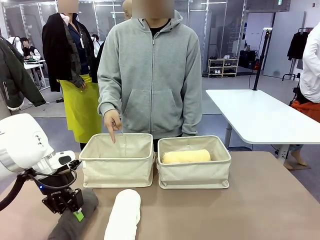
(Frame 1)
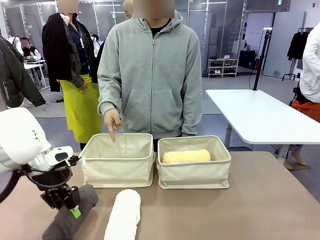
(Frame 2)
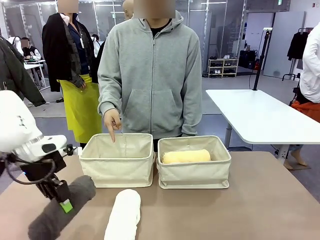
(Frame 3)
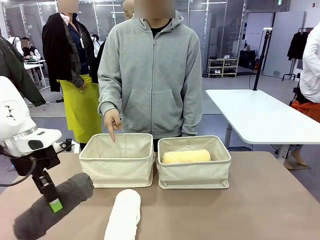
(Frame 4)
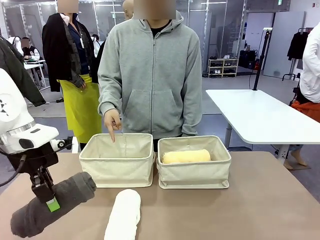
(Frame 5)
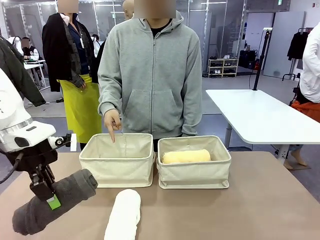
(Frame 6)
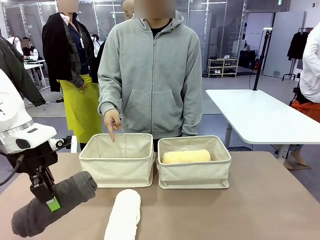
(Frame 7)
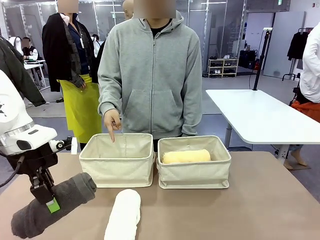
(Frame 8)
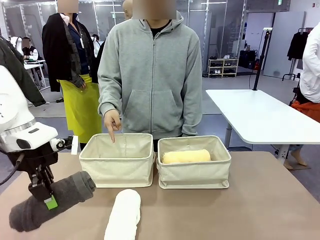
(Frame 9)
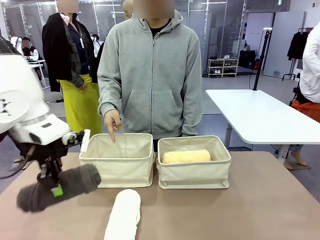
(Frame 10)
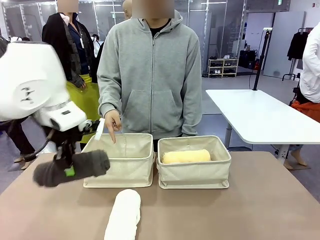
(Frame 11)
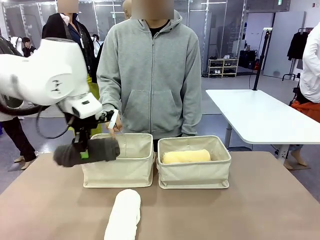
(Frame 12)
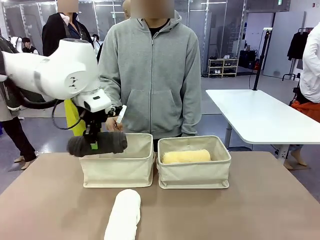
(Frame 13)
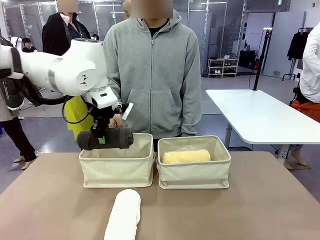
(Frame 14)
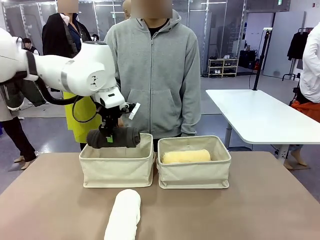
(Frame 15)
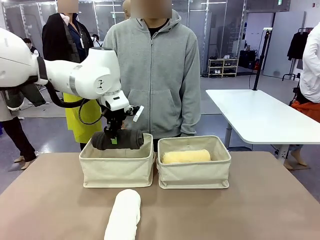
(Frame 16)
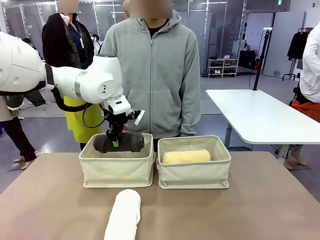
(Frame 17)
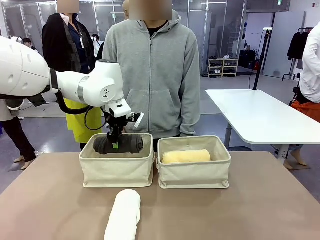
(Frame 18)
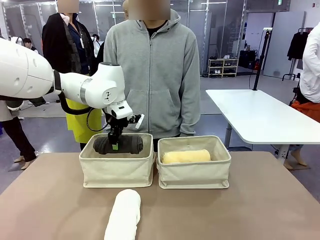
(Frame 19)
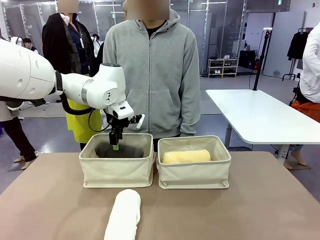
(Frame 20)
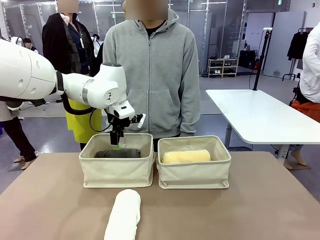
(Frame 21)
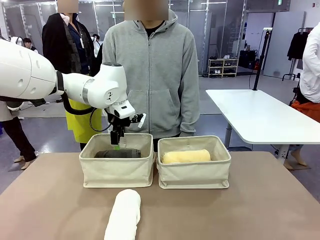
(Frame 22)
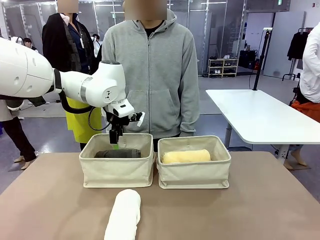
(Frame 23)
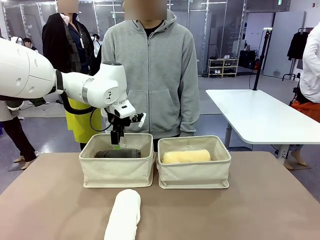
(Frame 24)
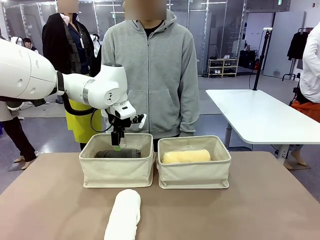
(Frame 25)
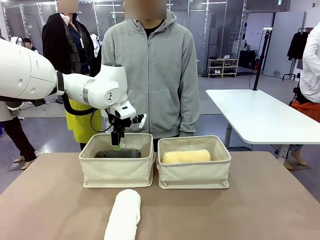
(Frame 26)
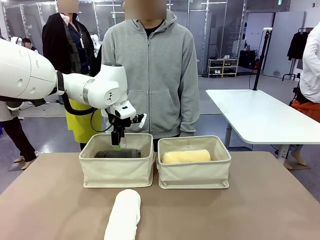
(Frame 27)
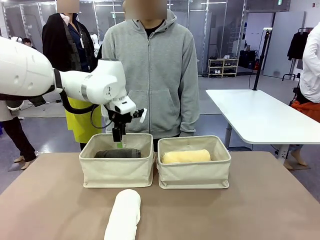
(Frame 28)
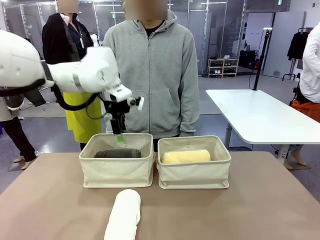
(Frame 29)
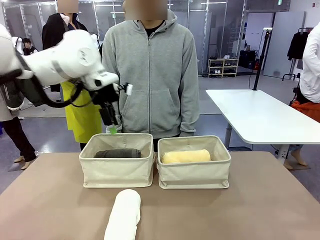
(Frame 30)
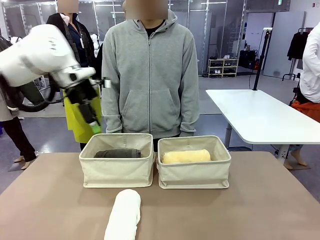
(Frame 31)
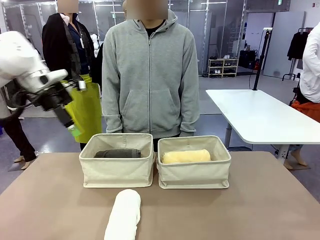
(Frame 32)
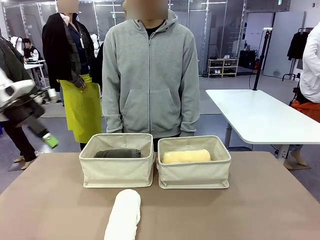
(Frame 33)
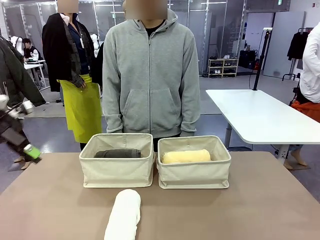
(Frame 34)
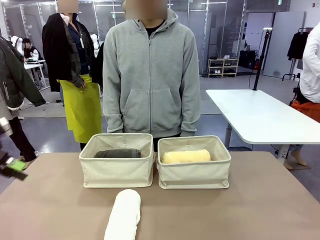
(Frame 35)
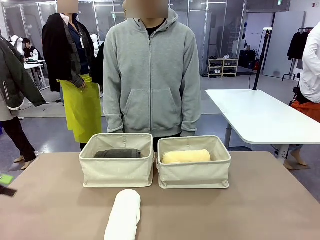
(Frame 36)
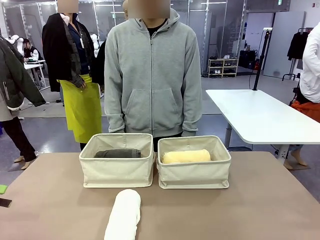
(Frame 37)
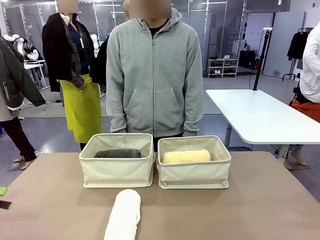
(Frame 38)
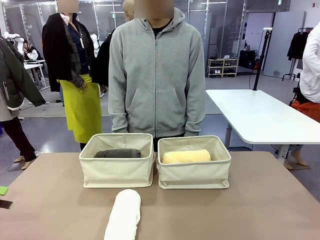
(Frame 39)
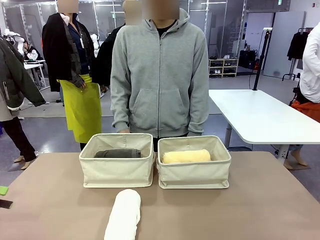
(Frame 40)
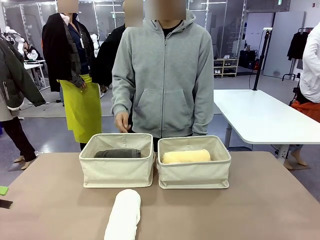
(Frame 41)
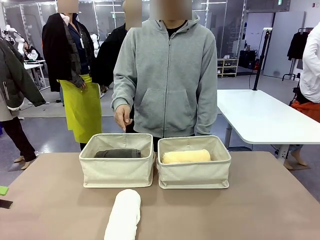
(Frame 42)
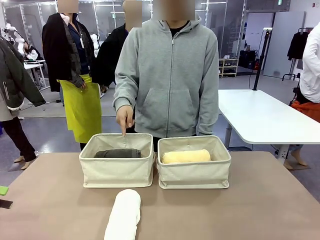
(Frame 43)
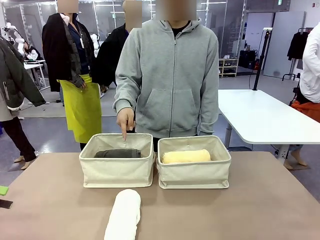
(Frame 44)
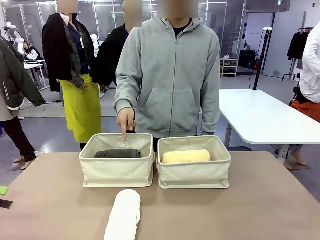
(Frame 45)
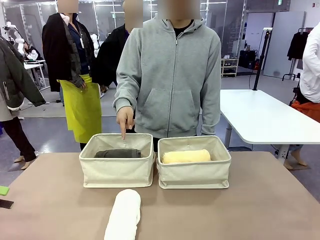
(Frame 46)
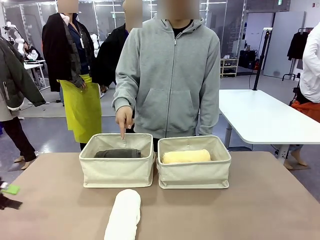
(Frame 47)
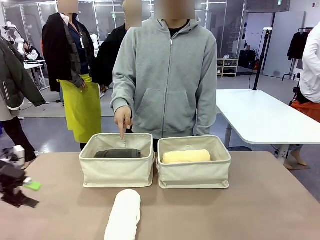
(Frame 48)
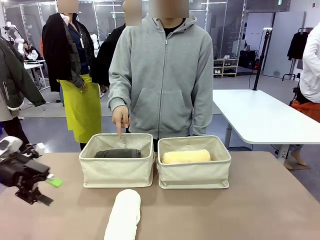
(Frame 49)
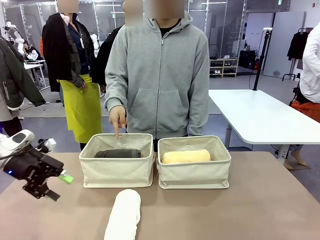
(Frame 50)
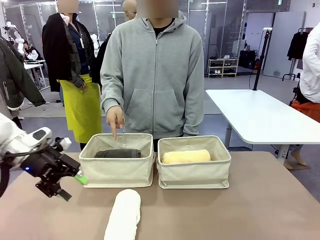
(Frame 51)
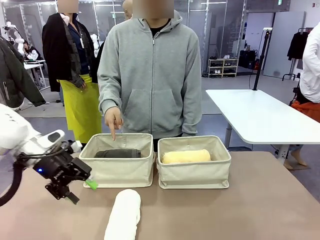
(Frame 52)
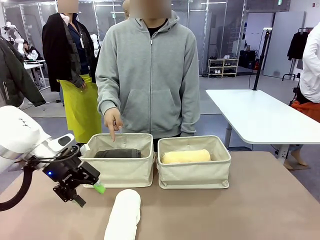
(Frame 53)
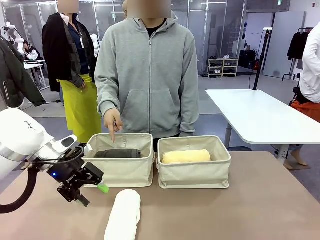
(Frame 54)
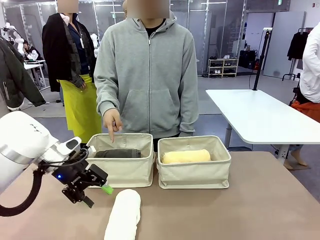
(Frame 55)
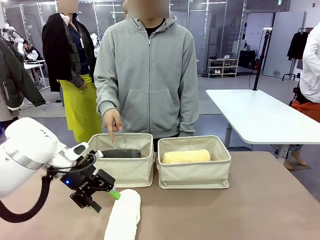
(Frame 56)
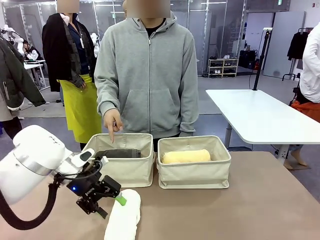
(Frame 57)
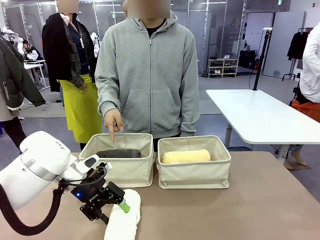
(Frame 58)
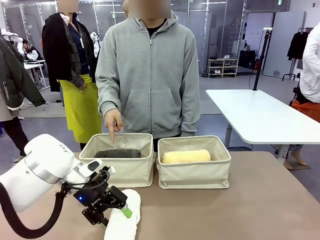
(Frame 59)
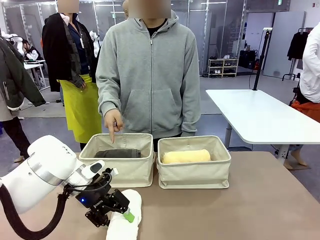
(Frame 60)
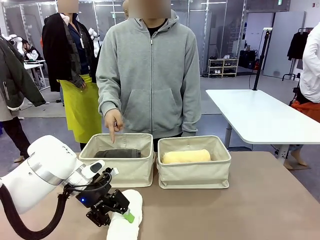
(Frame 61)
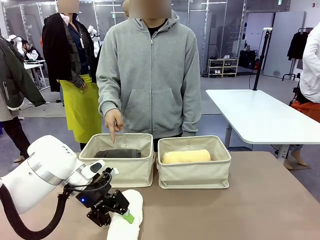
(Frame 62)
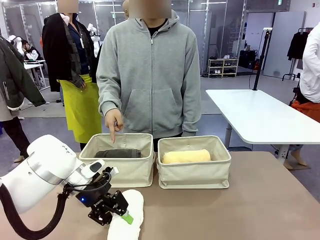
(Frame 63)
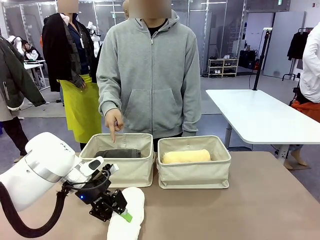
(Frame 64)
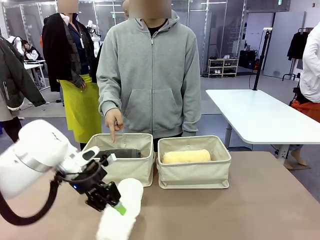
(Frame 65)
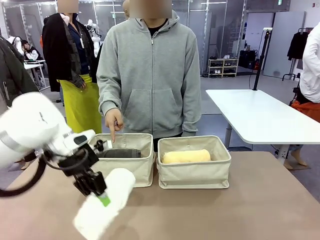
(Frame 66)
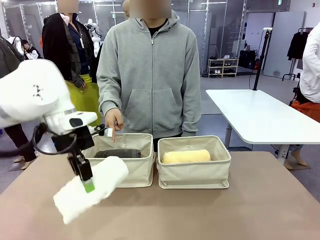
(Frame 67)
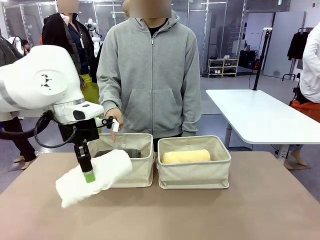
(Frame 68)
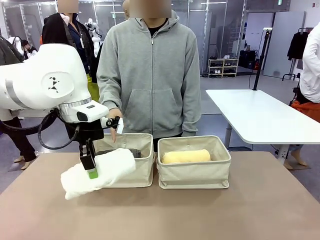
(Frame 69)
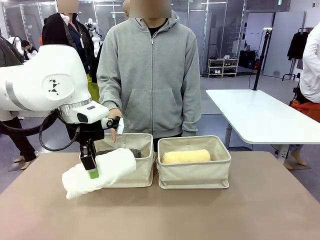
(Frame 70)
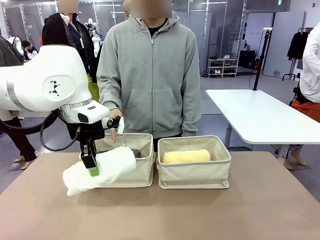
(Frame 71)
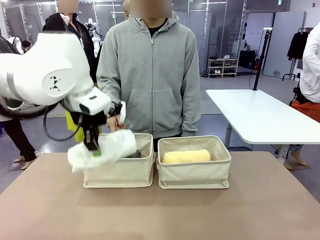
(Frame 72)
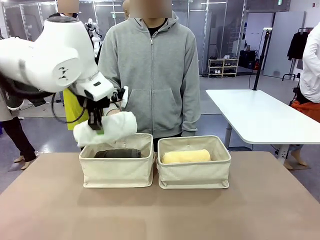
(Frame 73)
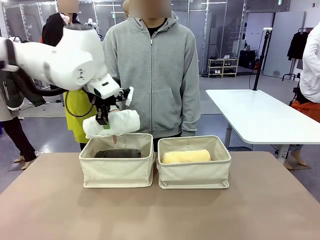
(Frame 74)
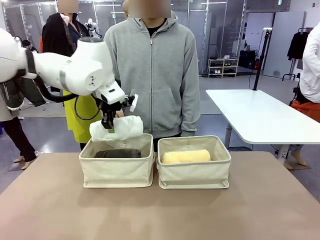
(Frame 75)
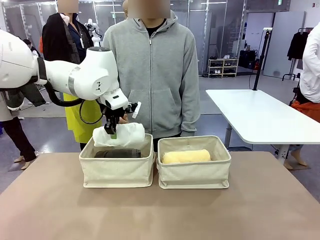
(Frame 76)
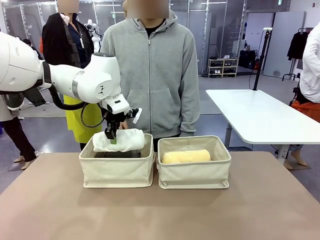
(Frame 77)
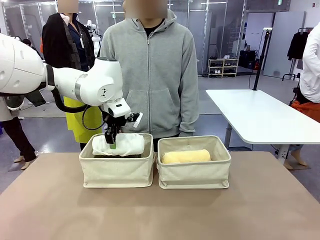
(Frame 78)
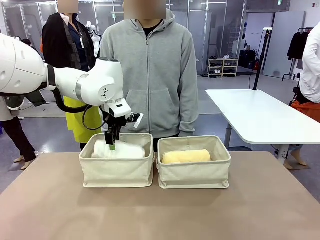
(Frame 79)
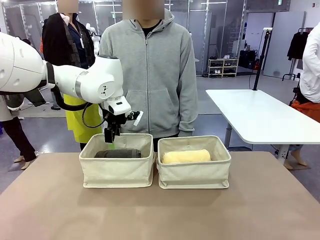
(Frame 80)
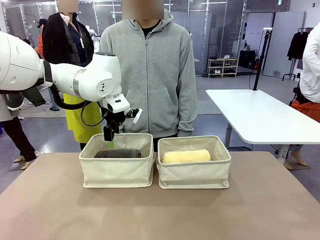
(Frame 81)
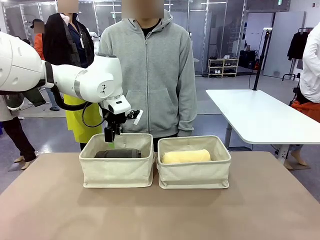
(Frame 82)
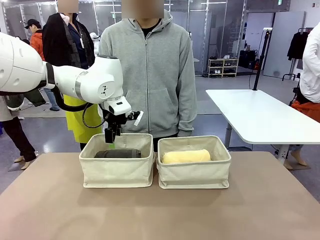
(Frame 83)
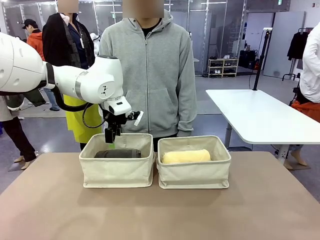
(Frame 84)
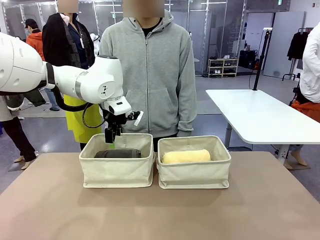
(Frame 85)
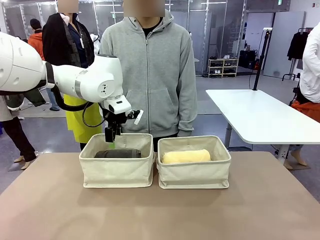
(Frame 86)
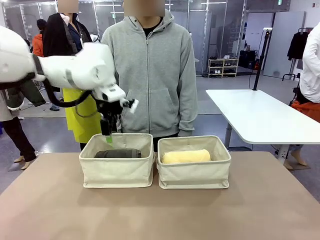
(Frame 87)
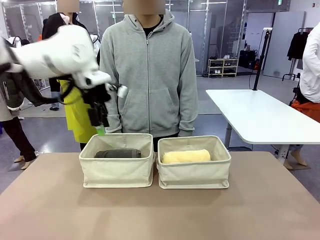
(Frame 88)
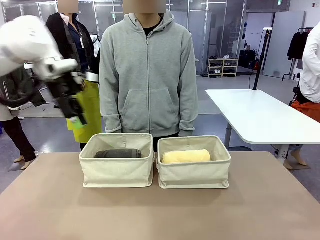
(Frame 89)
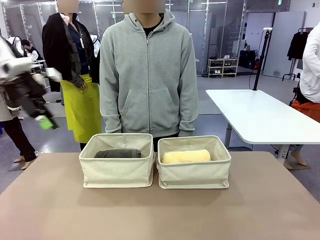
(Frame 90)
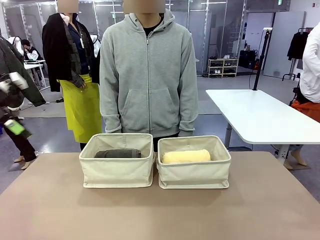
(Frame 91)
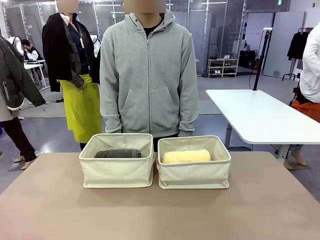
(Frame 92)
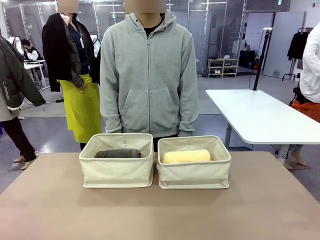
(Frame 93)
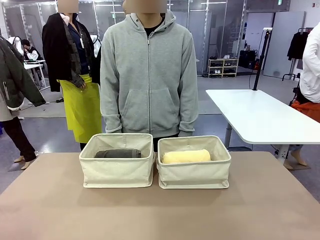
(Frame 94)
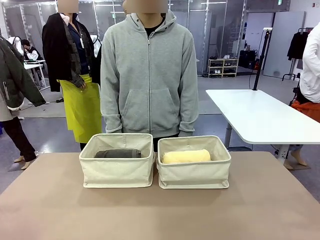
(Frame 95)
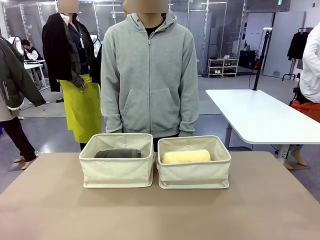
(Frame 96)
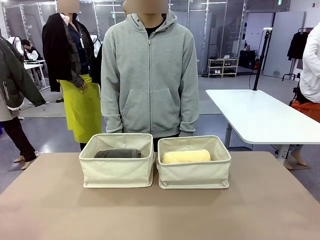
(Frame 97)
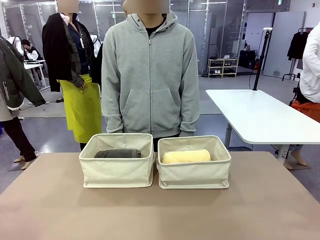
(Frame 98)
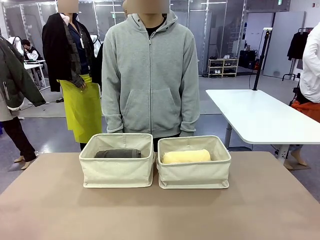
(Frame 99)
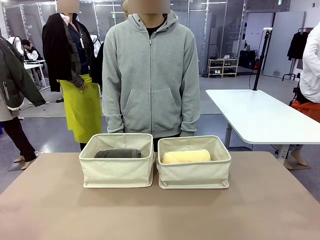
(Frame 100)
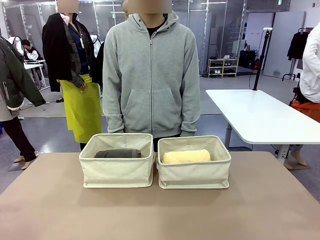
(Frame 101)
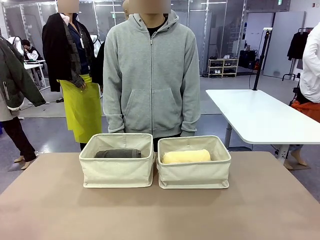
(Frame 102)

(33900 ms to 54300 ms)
Task: Divide the towels into two baskets.
Robot: Pick up one hotel-folded towel from the bottom of the table and place it in the Fabric basket indicated by the person.
